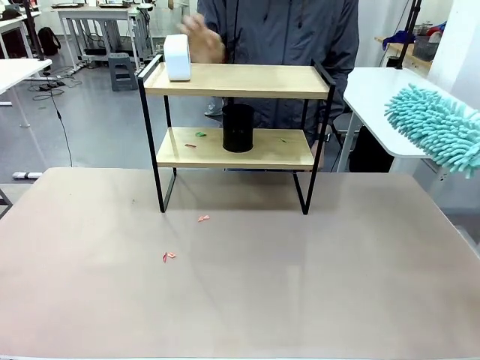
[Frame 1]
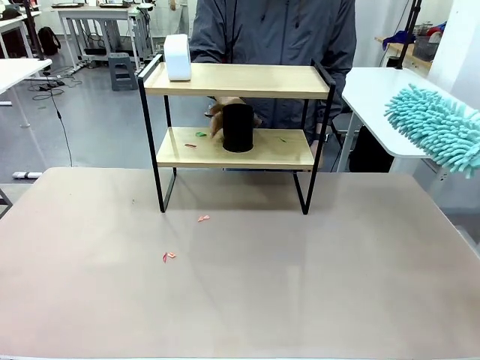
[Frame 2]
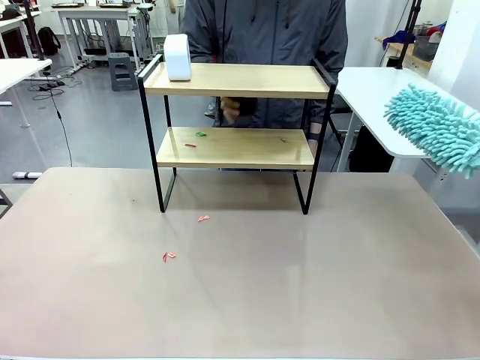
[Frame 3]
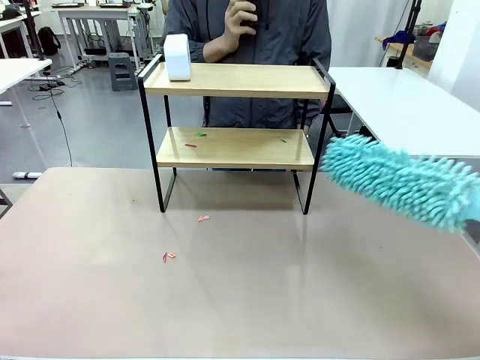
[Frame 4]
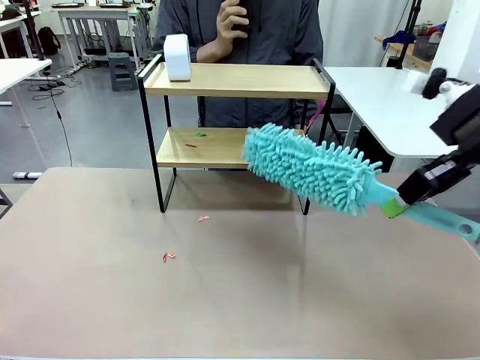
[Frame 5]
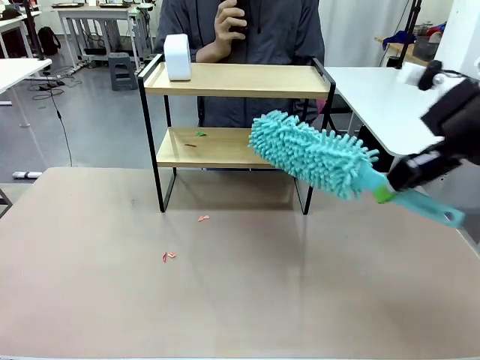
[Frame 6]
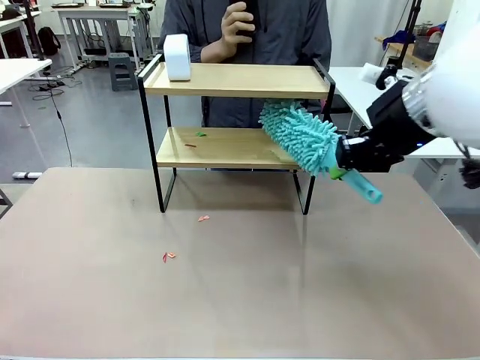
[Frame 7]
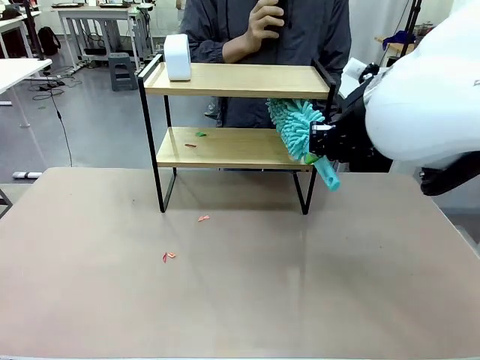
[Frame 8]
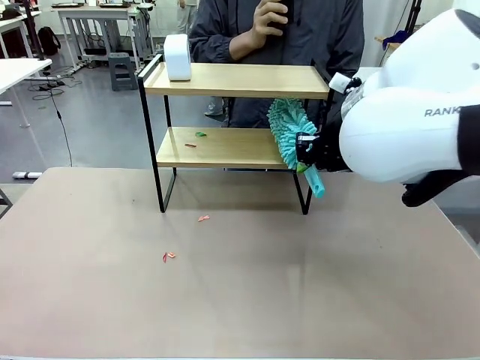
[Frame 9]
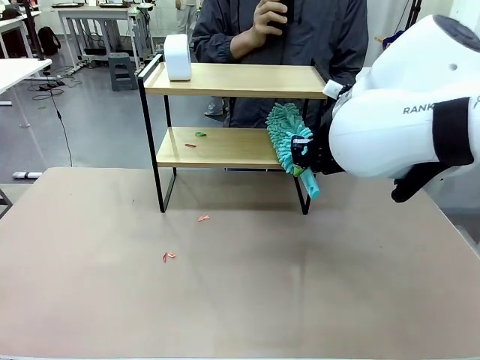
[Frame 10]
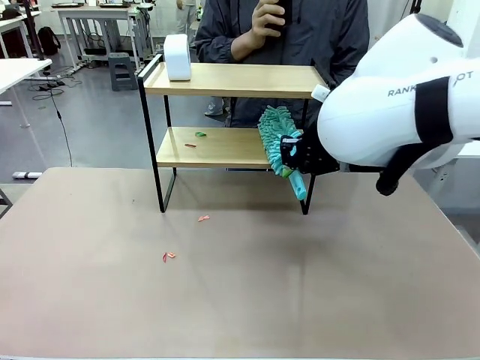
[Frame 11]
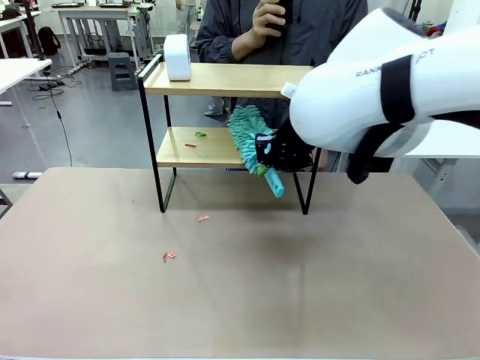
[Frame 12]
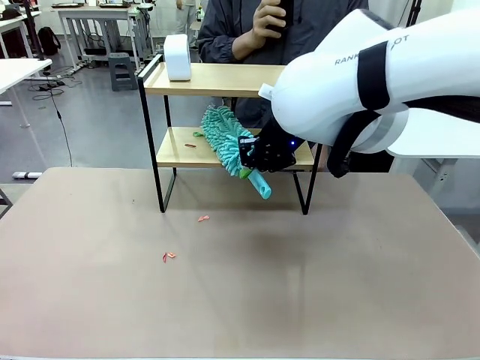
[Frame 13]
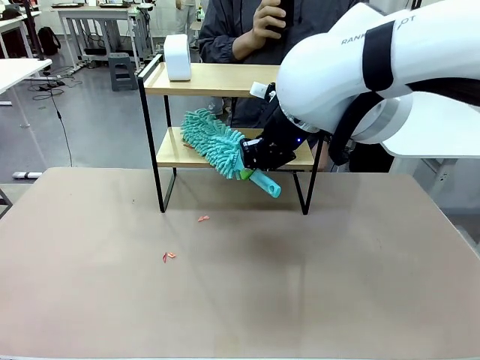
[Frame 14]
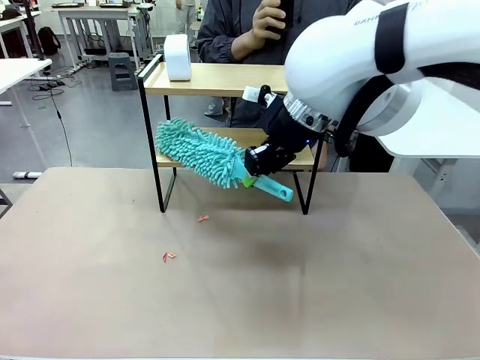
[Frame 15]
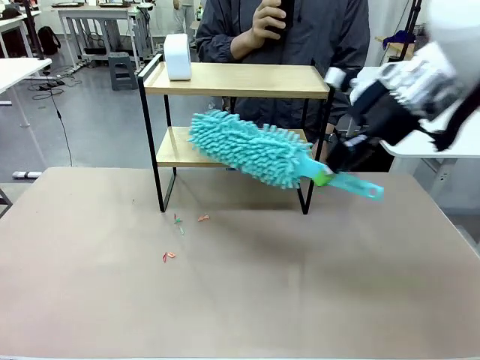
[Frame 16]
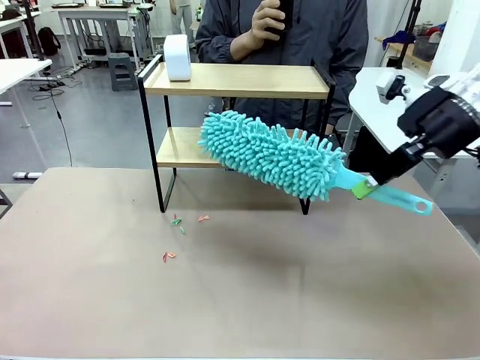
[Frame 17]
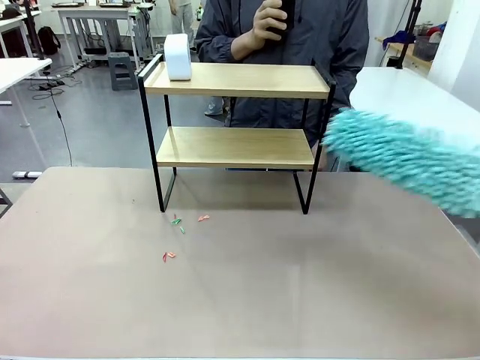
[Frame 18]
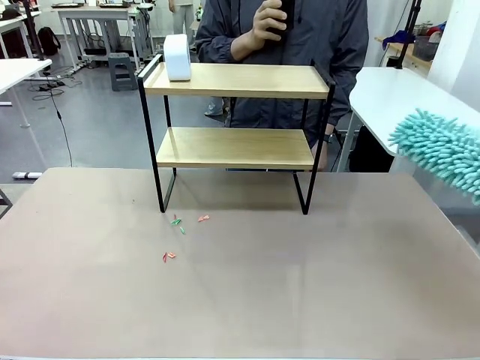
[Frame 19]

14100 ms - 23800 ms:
Task: Clean the shelf.
Robot: Clean the remaining tier of the Shelf with the Duster once objects are removed.

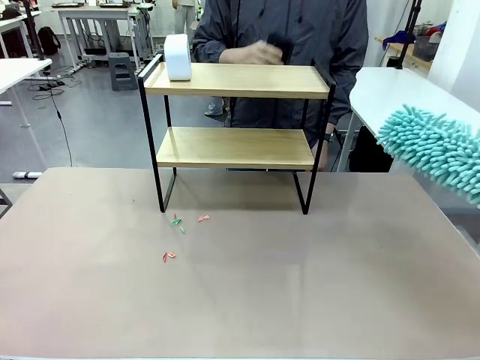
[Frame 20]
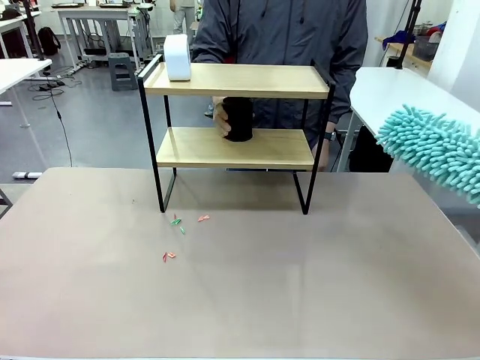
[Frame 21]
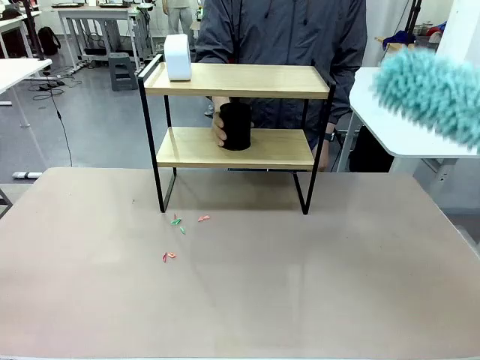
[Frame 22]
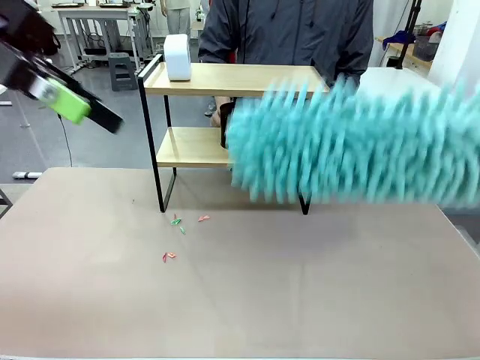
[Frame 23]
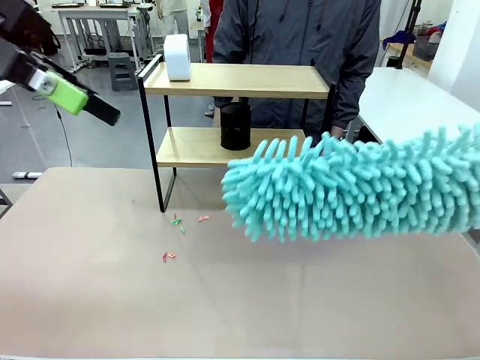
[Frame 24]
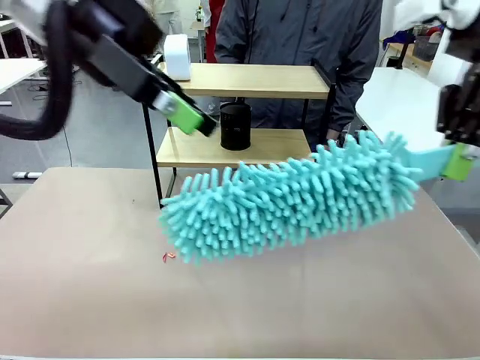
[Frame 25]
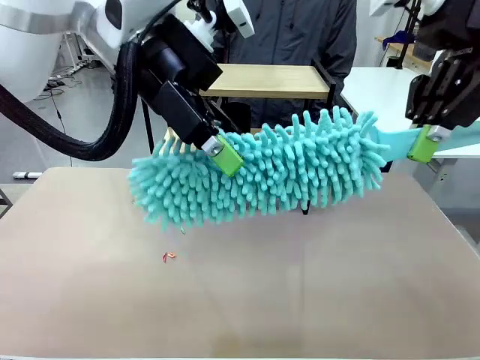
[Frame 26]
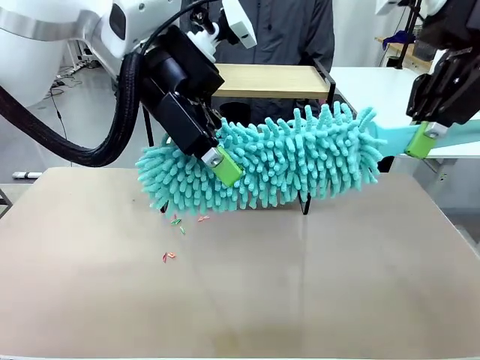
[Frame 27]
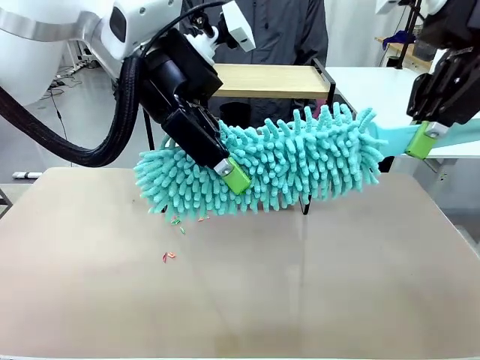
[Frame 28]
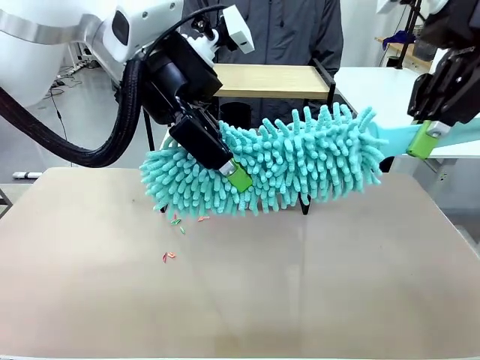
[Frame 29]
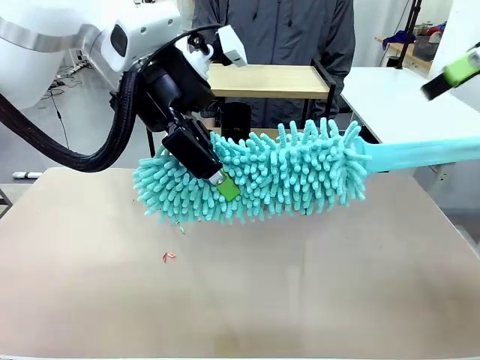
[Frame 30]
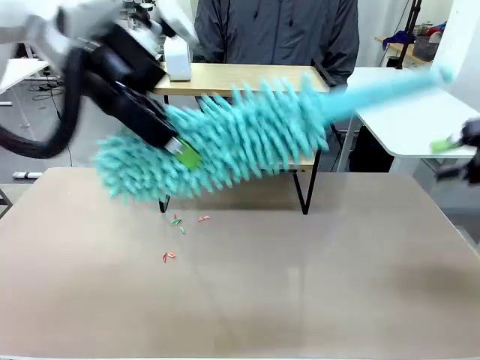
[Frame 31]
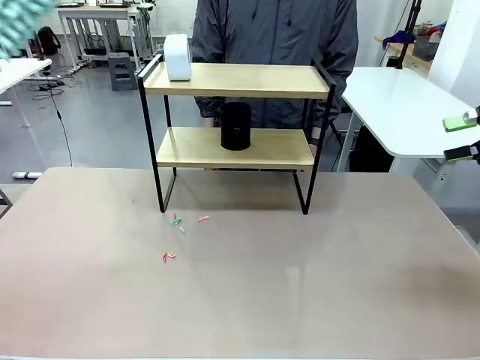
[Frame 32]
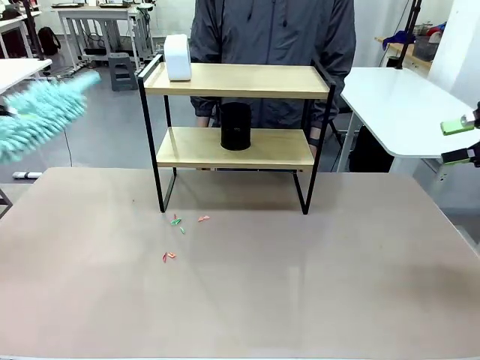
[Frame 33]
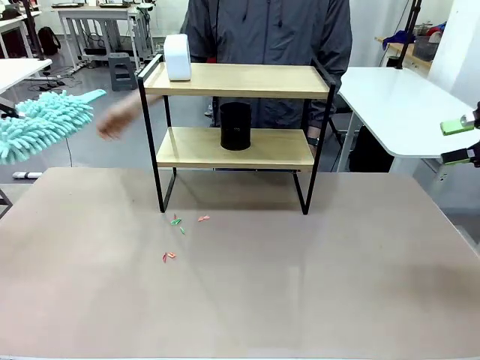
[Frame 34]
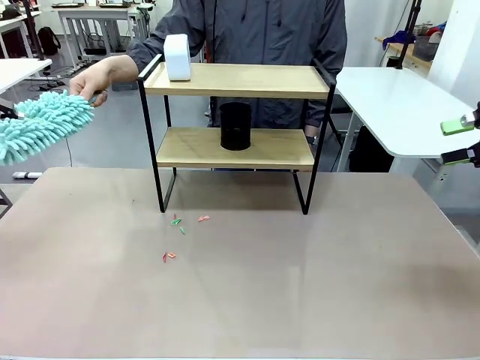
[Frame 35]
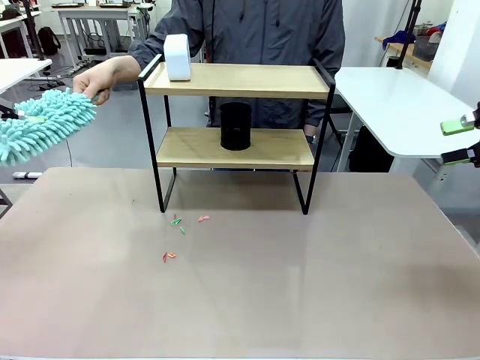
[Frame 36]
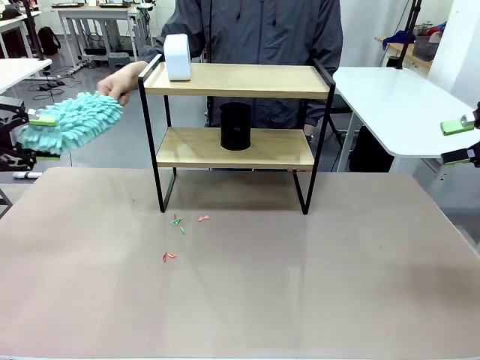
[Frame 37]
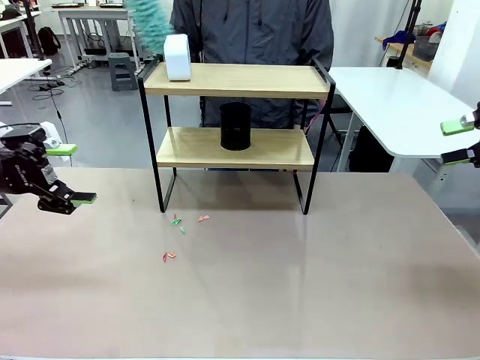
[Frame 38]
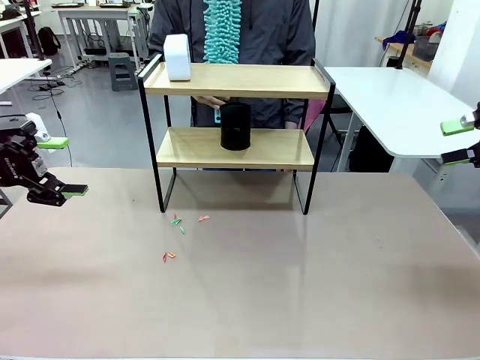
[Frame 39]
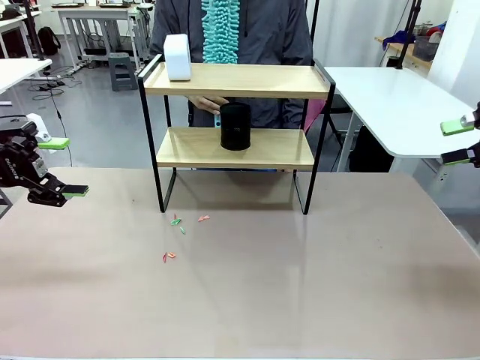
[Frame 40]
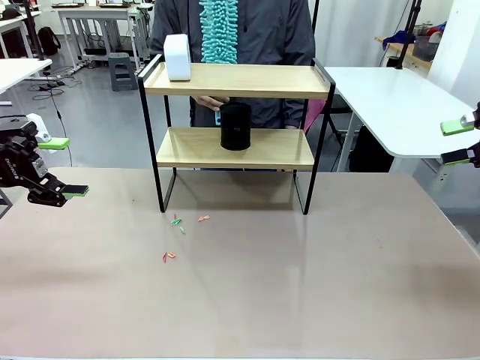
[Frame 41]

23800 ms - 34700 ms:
Robot: Hand the Duster back to the human.
Person: Receive the Duster from the robot.

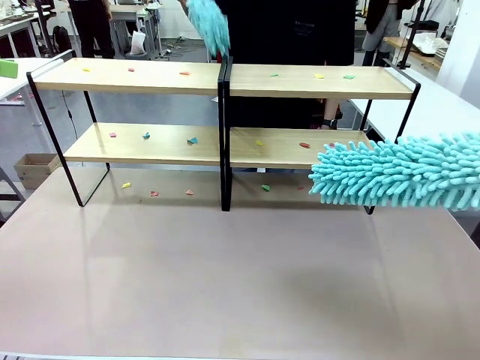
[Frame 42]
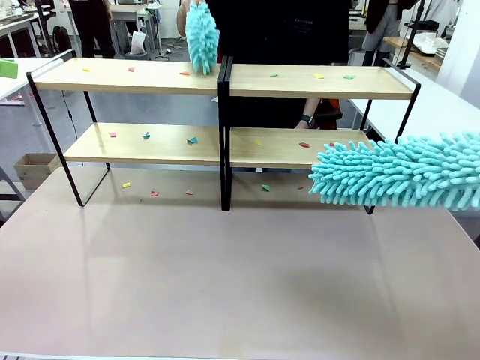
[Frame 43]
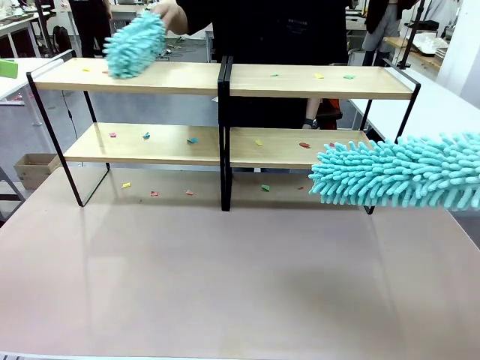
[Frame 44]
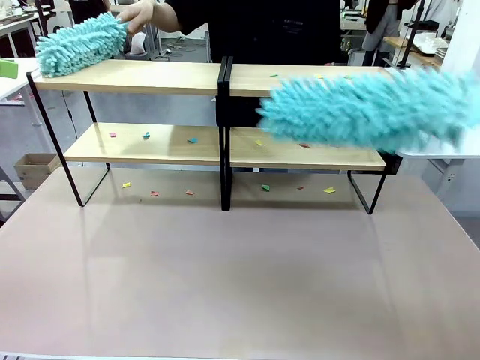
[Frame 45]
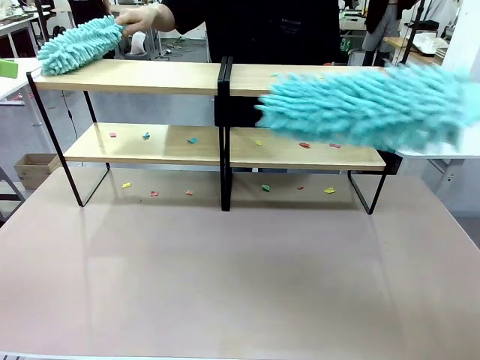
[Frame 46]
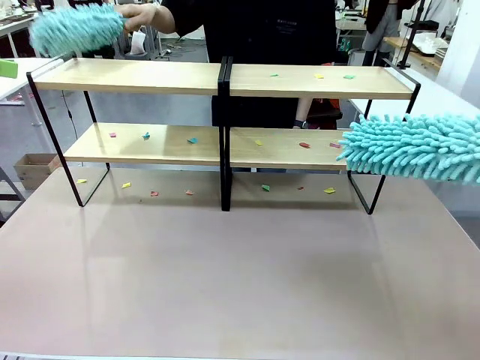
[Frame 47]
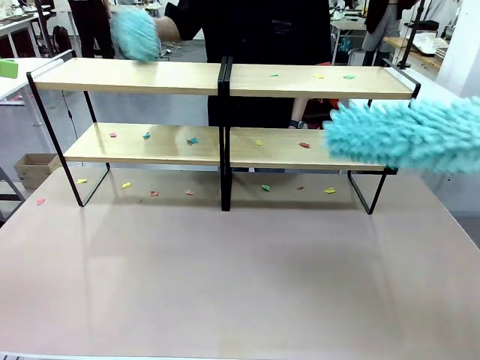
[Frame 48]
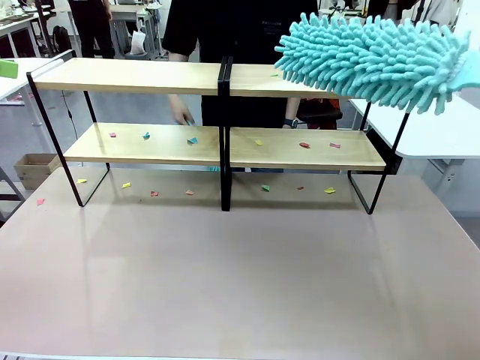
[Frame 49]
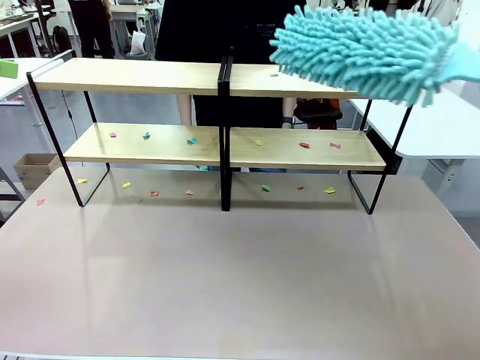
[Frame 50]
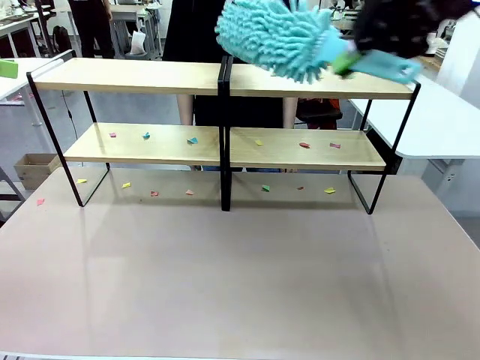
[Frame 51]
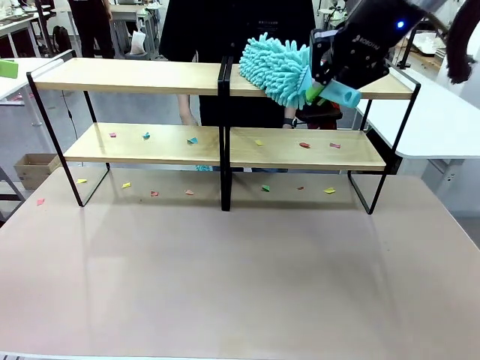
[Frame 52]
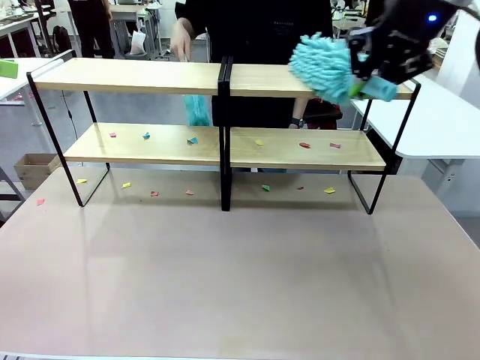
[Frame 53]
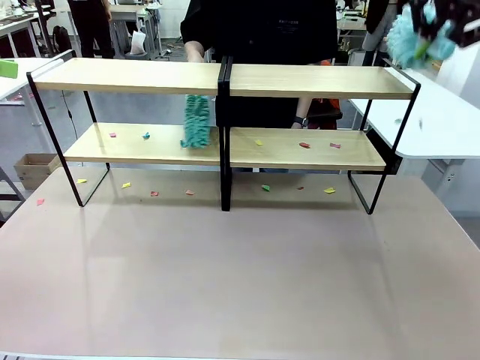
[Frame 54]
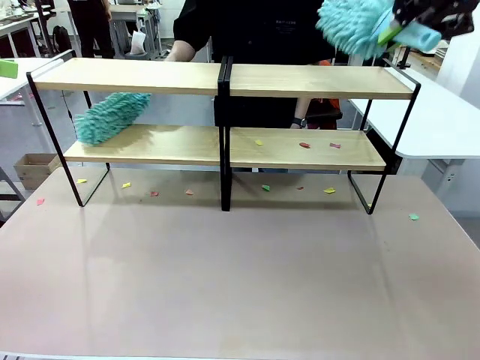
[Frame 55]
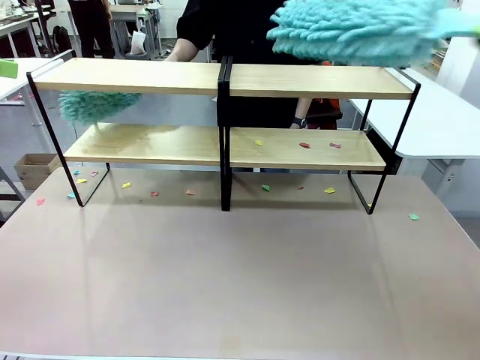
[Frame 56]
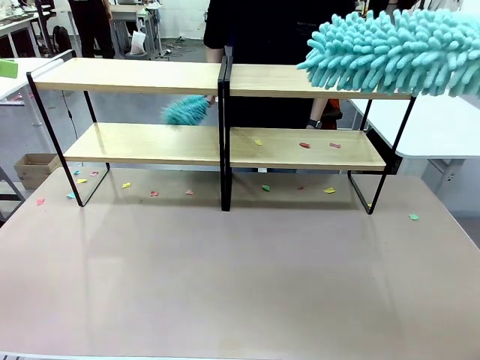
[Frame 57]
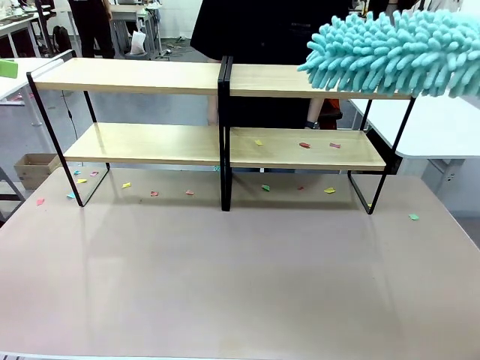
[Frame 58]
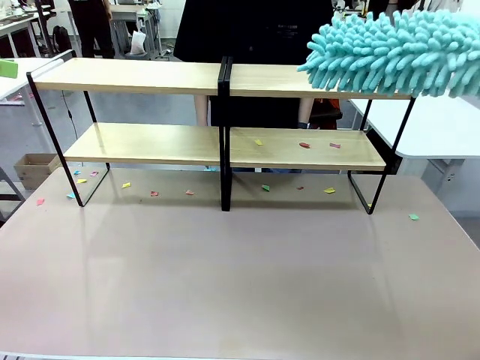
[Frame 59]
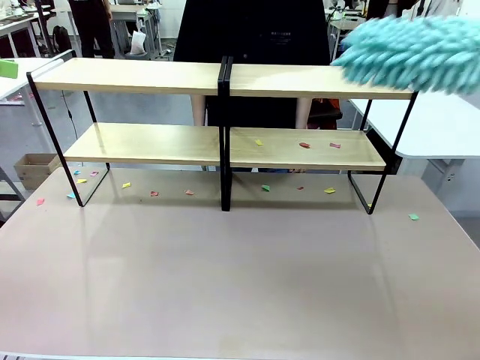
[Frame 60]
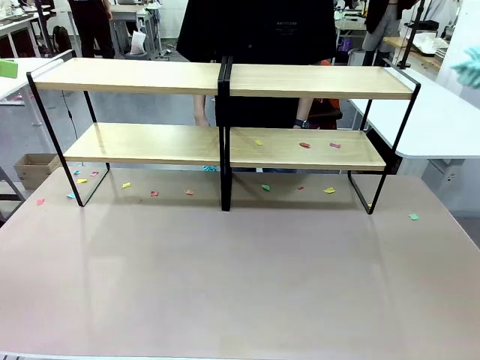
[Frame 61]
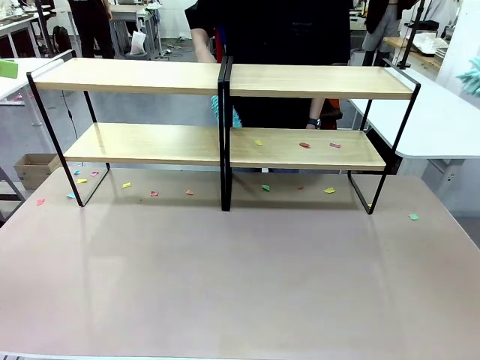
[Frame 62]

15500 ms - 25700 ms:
Task: Clean the shelves.
Robot: Clean a randomly selected level of the Shelf with the Duster.
